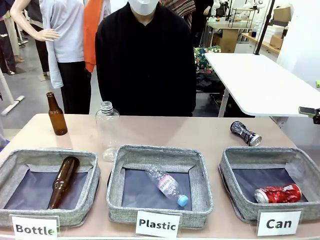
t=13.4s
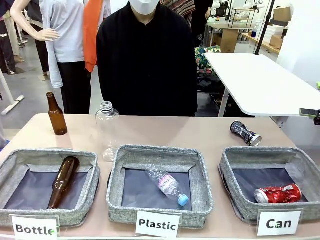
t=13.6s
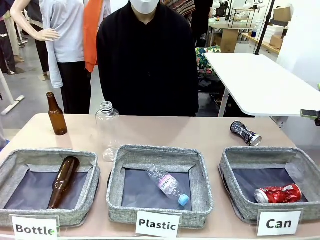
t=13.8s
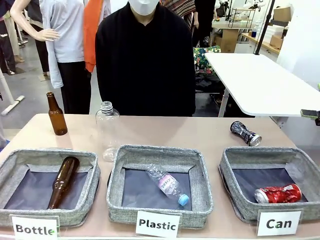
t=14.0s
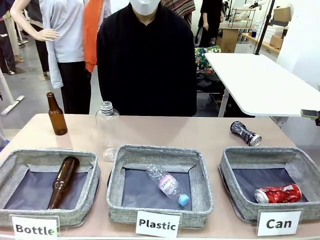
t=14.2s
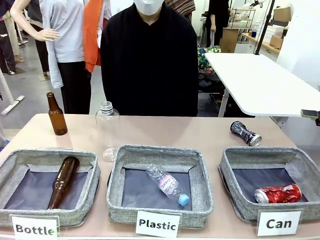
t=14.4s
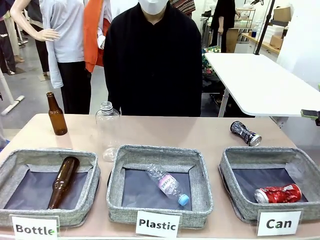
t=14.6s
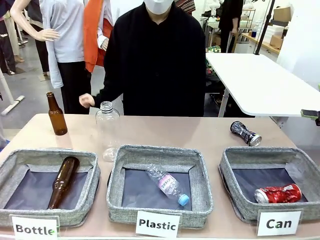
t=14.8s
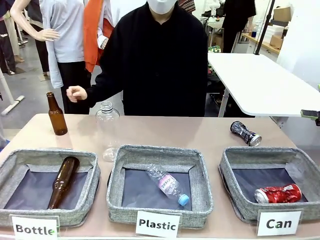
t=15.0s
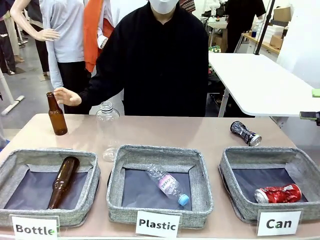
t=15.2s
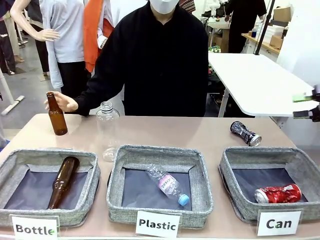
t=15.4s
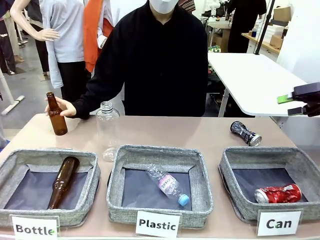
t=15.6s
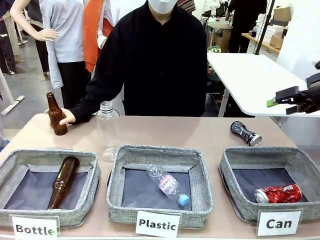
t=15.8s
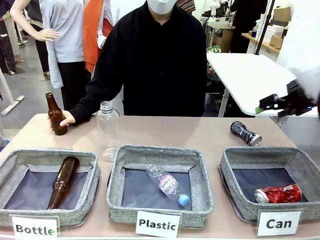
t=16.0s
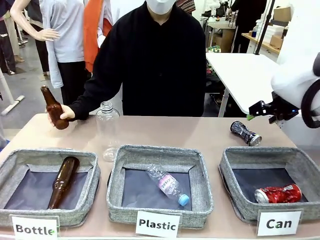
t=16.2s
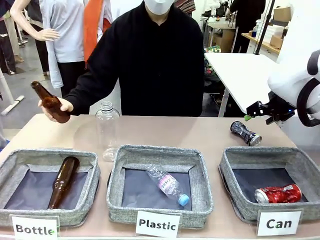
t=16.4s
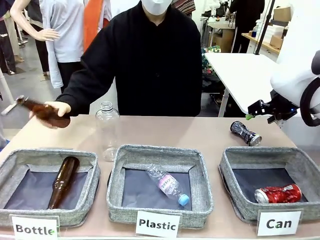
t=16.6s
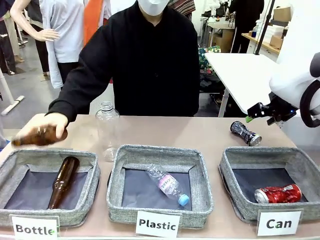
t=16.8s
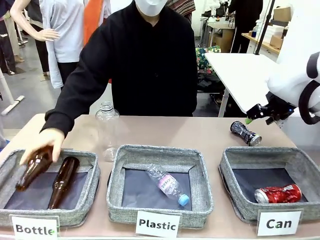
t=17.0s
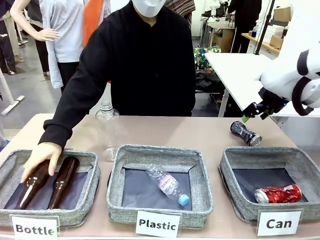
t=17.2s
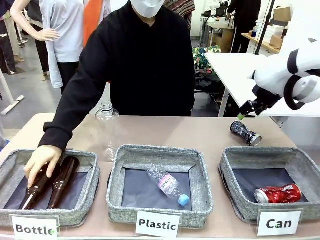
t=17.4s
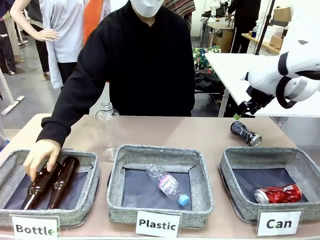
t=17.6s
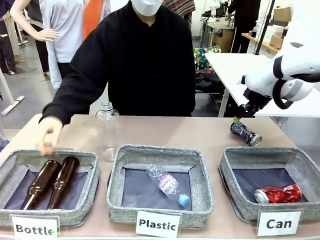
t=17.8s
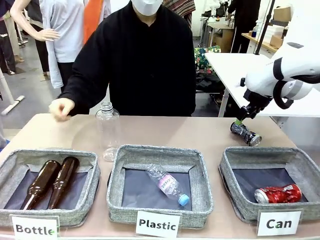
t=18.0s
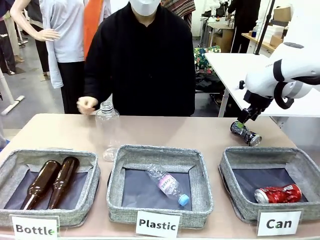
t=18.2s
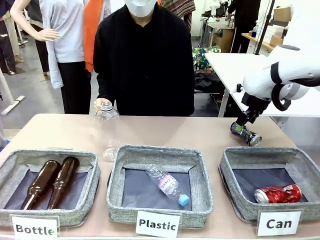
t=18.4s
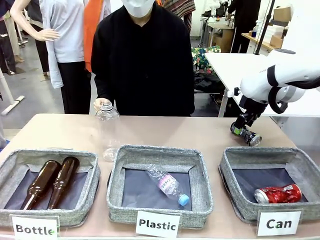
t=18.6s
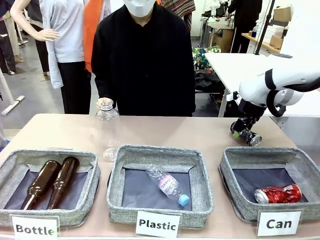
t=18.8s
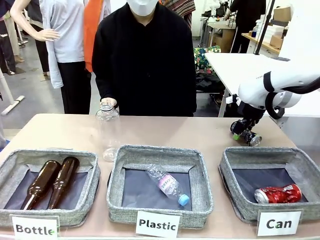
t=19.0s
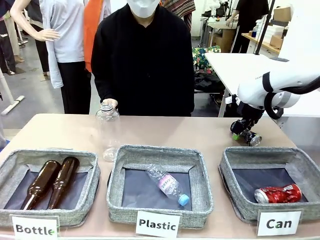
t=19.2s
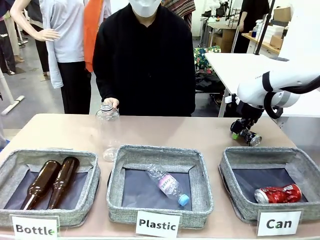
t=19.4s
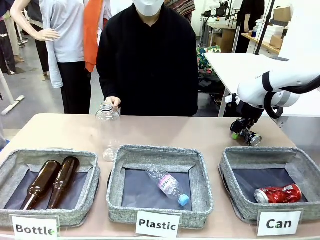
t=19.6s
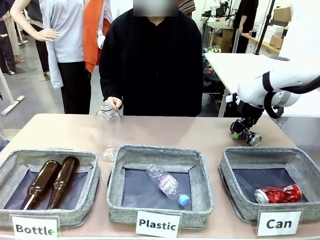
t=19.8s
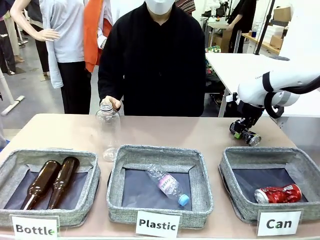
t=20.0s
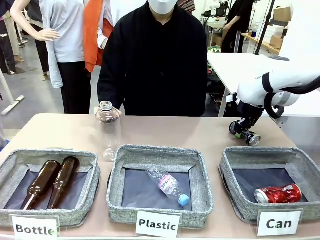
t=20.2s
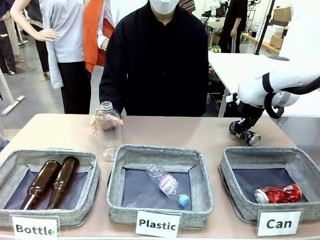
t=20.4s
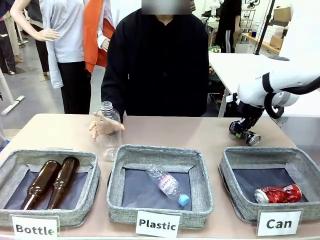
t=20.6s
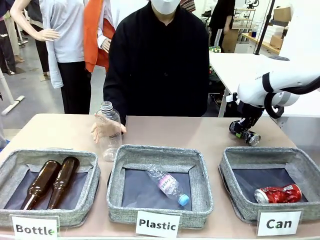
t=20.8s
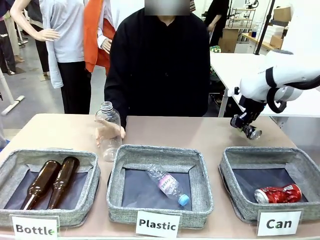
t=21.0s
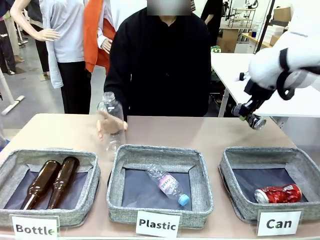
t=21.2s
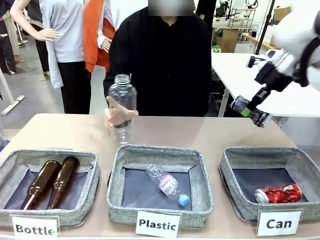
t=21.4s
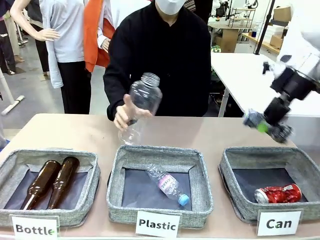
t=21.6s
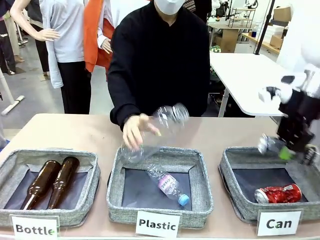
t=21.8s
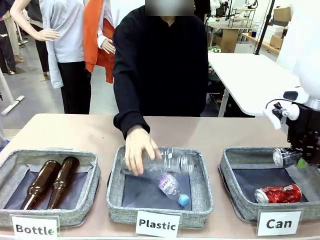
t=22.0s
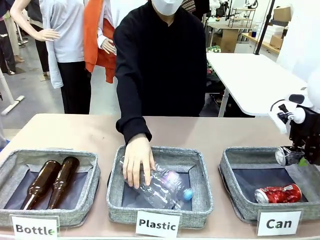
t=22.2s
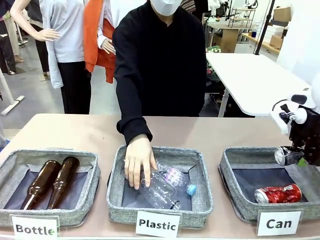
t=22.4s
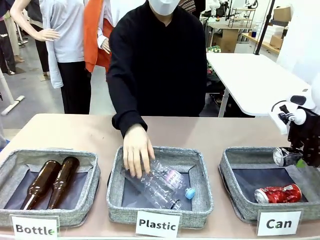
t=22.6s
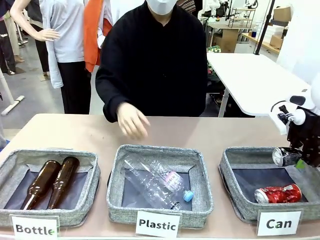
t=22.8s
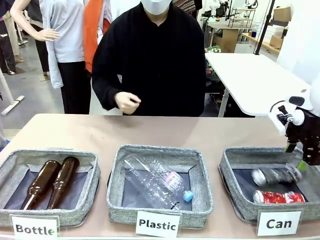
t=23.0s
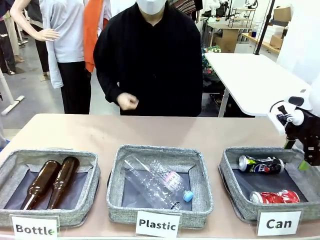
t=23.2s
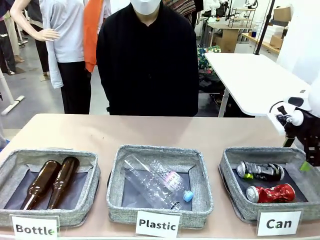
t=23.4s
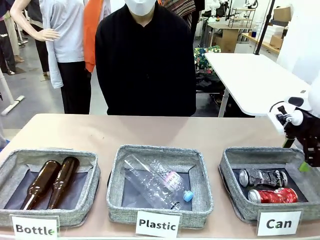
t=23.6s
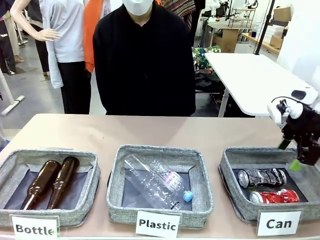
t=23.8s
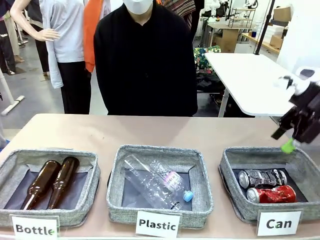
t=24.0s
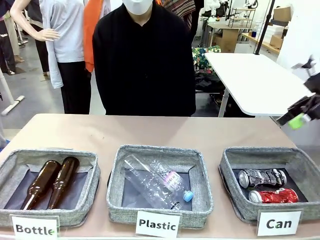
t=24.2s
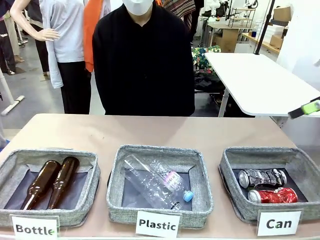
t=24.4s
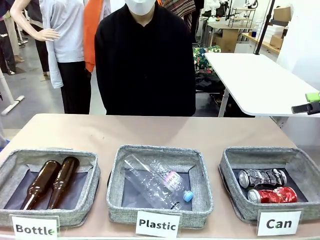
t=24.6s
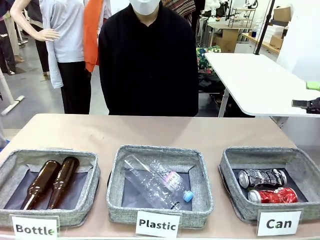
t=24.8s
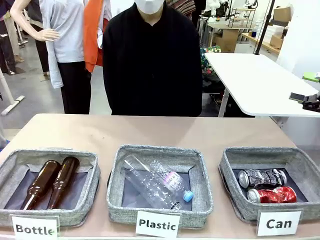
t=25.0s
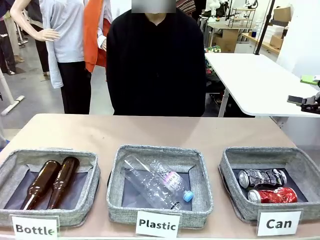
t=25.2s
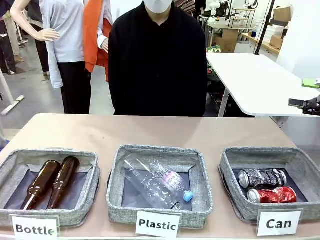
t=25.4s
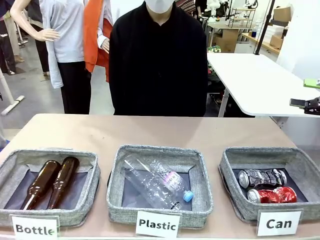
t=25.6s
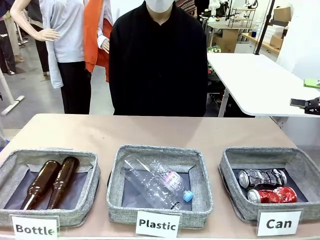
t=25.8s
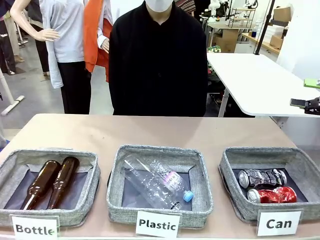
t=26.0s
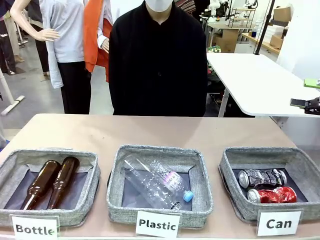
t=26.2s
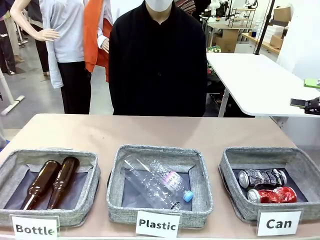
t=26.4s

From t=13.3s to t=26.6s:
Task: Sort the can waste into the basket.
Robot: Pick up the can waste from the table and place it in the right Fabric basket.

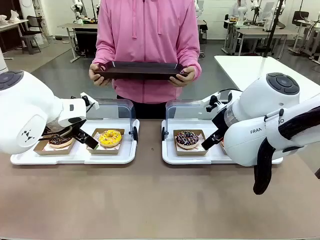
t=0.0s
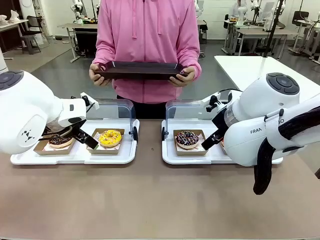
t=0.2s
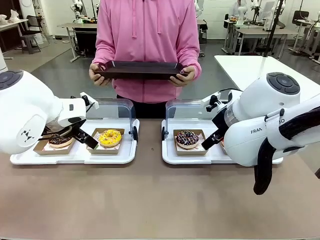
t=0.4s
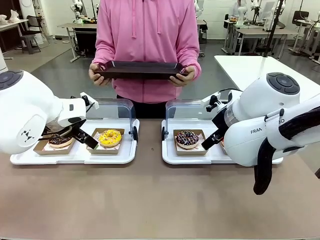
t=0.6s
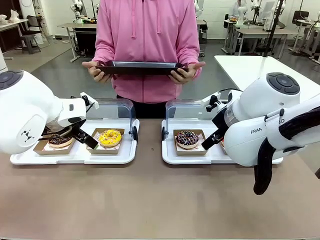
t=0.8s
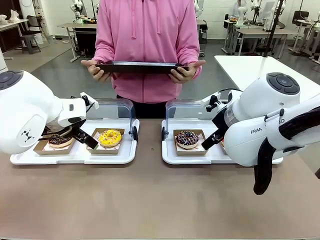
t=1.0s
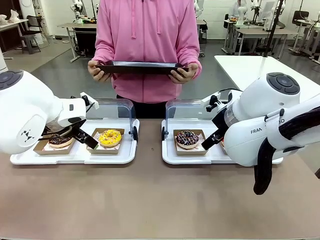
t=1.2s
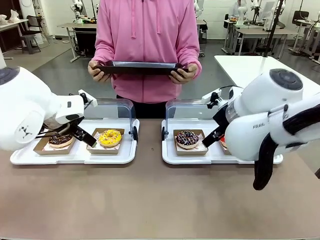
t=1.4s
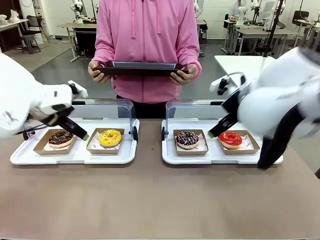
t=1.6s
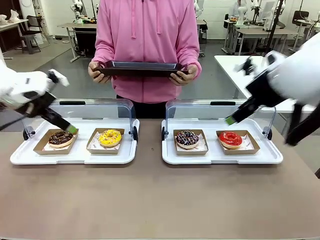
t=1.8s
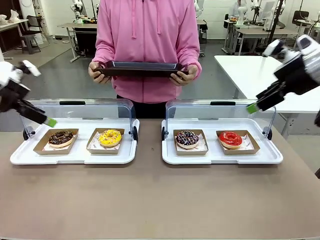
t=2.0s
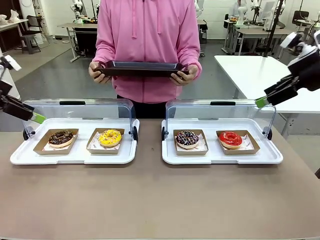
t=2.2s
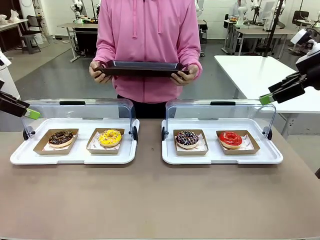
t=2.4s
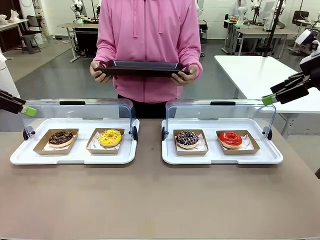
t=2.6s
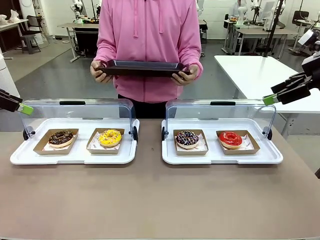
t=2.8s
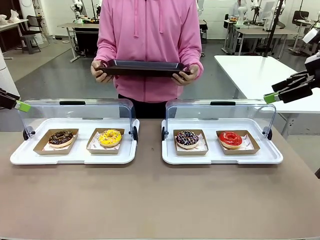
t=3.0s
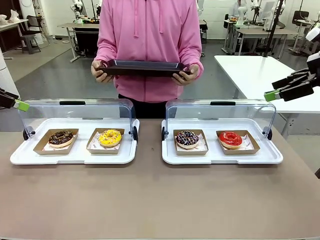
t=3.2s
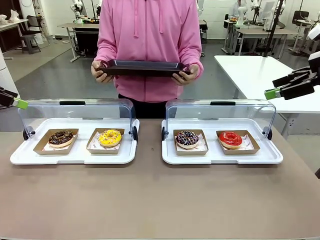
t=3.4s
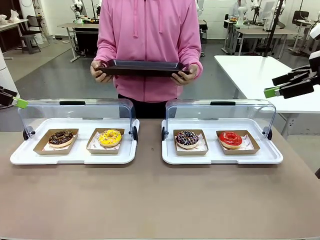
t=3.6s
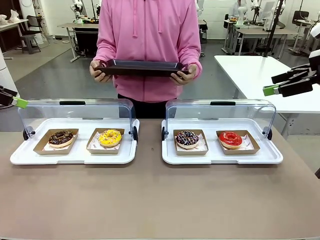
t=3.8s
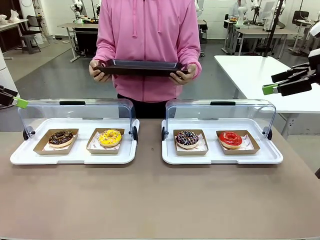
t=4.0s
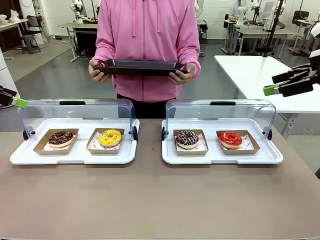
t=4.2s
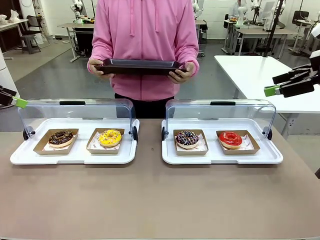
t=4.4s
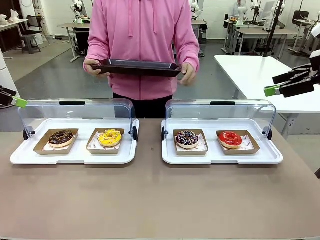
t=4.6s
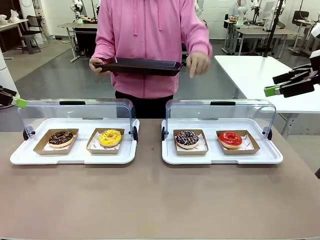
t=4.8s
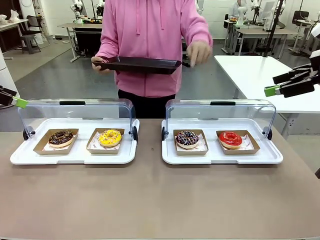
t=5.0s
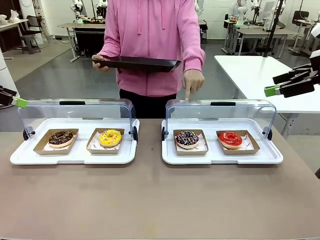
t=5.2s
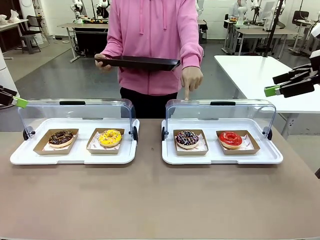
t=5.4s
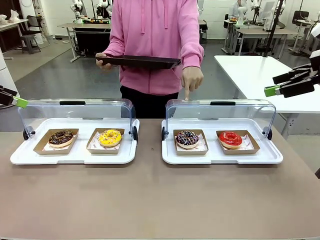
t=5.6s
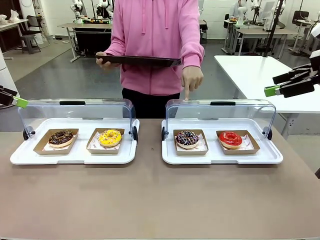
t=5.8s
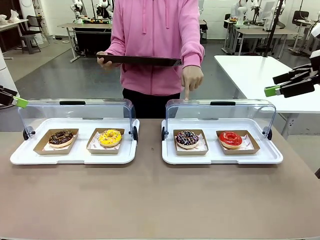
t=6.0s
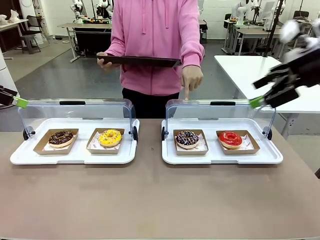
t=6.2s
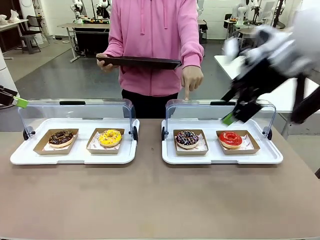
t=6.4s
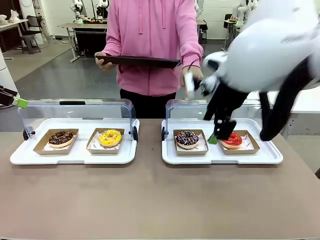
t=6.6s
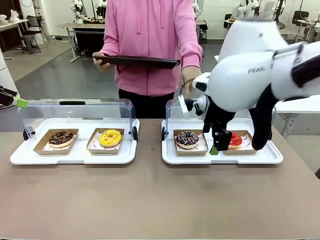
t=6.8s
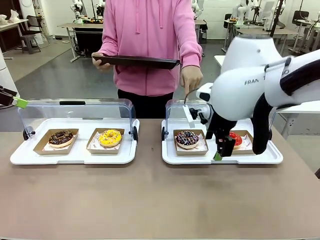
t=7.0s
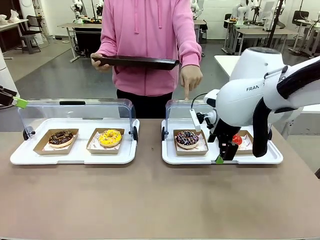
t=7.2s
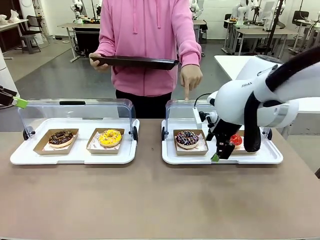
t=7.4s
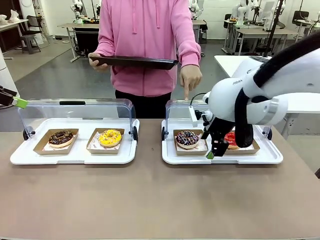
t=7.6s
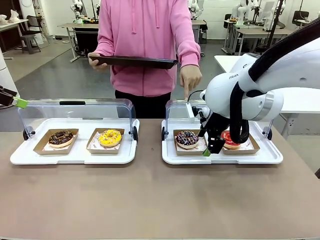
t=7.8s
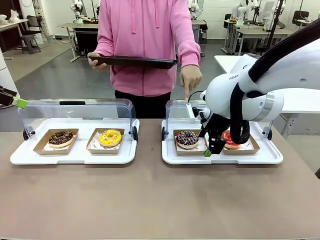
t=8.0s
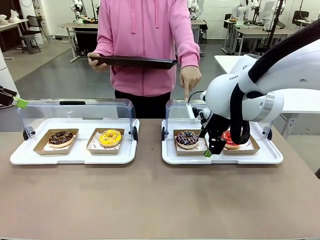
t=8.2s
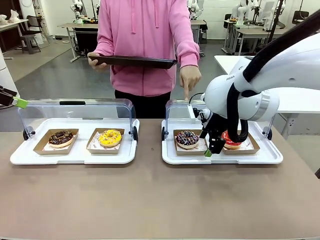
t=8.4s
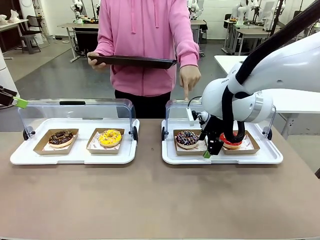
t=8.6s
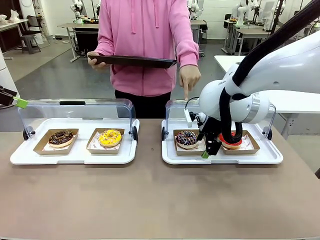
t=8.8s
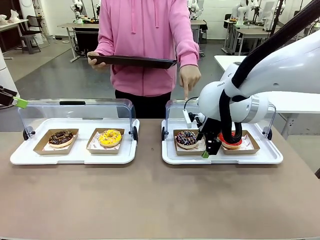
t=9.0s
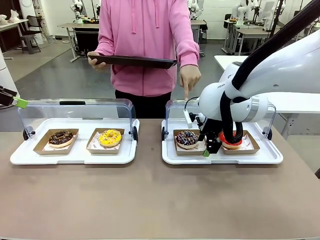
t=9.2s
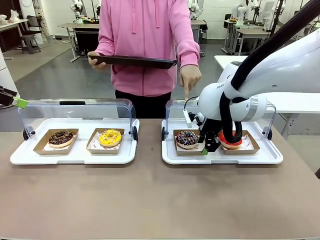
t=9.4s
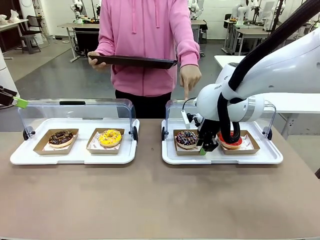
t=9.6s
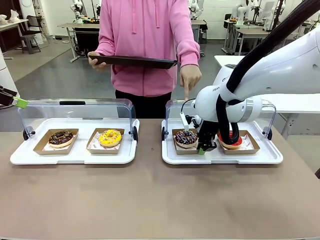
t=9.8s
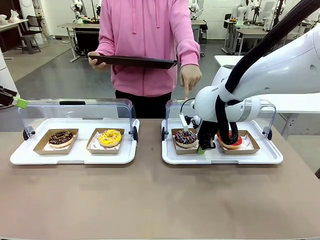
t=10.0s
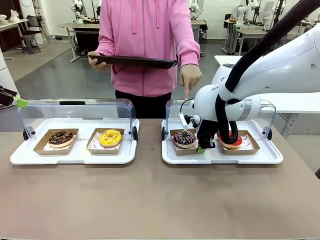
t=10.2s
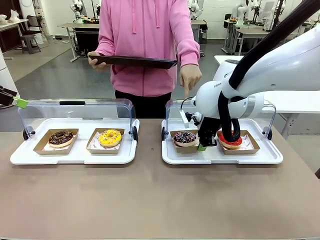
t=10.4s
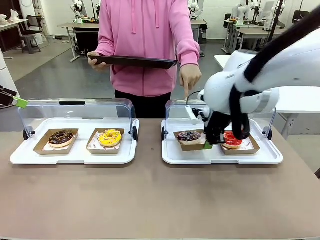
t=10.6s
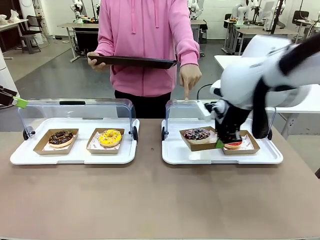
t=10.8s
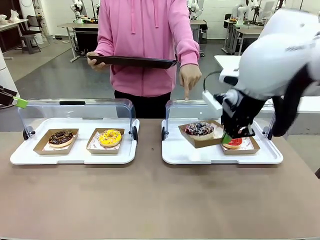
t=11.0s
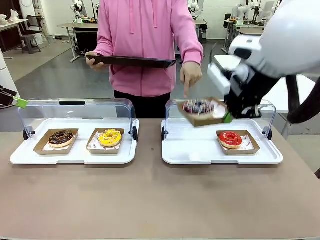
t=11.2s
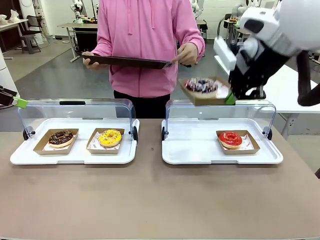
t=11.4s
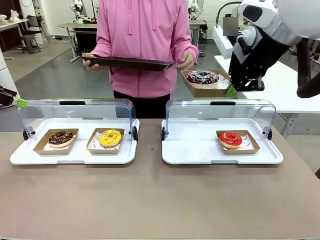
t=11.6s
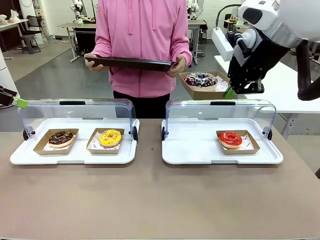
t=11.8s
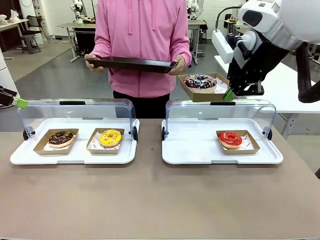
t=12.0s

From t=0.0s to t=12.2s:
Task: Provide the desired donut to the person.
Robot: Pick up and lift the Paper togo box containing the Donut pointed at by the person.
Person: Point to one donut. Lift the tray onto the Roll-Top Bakery Case.
